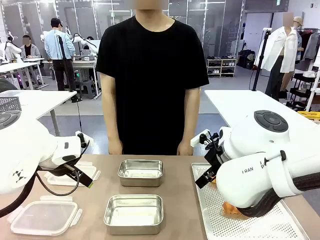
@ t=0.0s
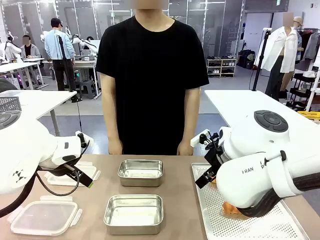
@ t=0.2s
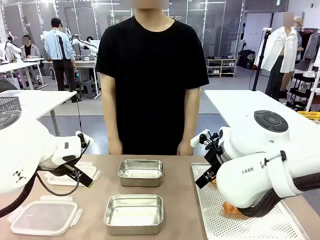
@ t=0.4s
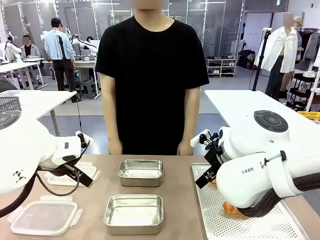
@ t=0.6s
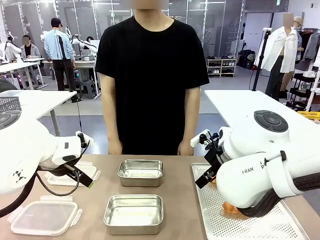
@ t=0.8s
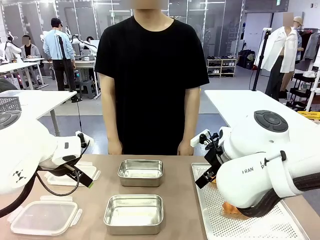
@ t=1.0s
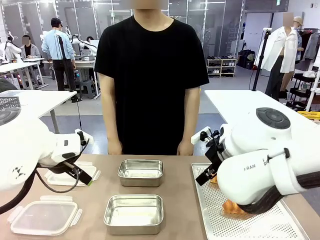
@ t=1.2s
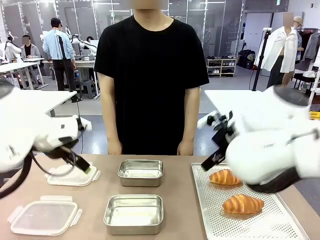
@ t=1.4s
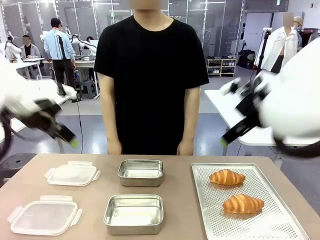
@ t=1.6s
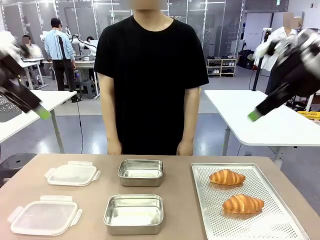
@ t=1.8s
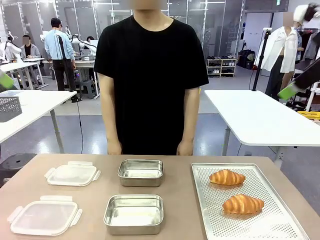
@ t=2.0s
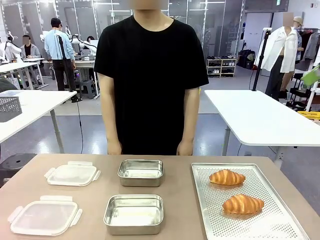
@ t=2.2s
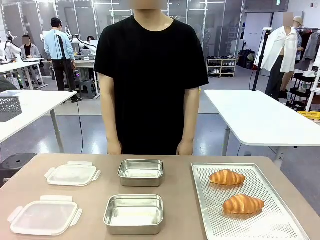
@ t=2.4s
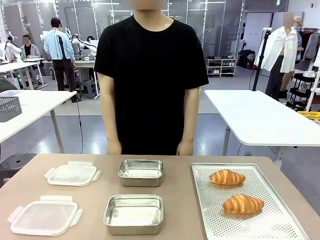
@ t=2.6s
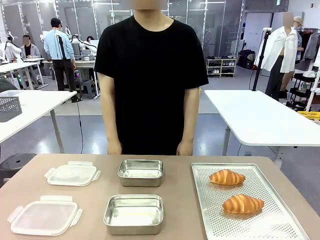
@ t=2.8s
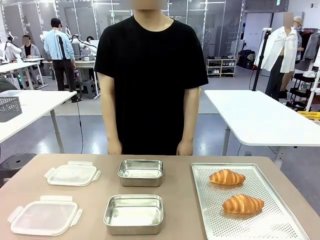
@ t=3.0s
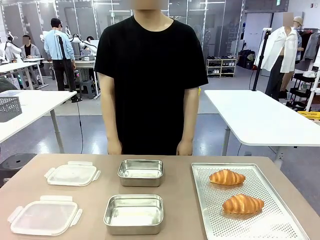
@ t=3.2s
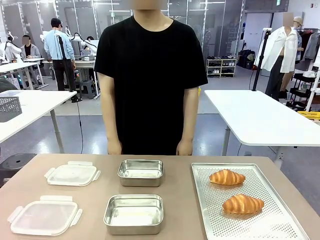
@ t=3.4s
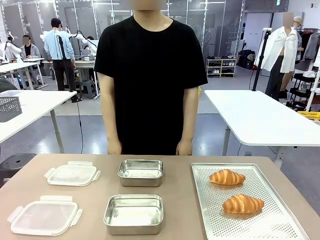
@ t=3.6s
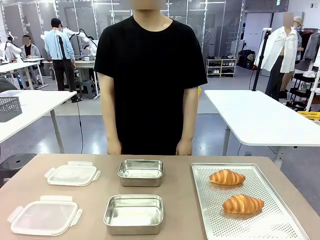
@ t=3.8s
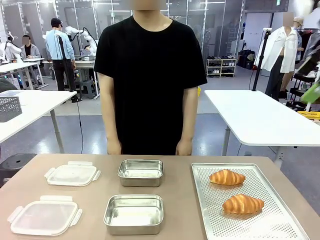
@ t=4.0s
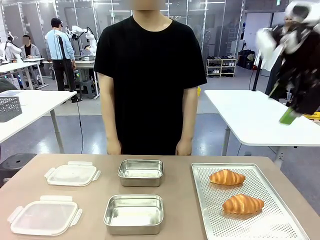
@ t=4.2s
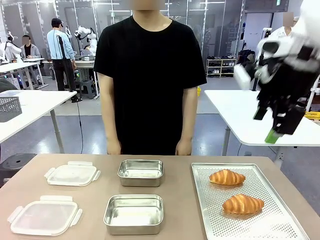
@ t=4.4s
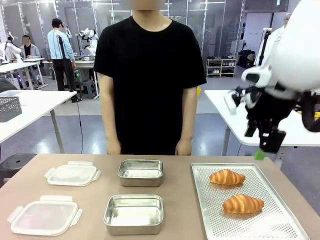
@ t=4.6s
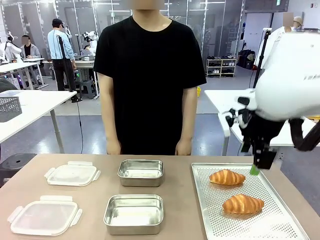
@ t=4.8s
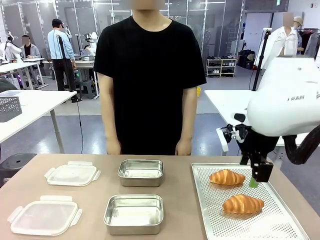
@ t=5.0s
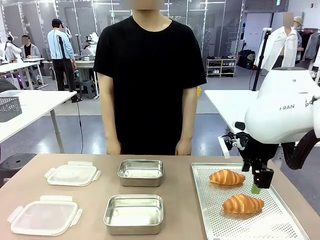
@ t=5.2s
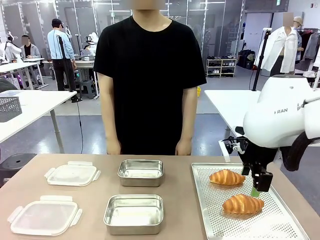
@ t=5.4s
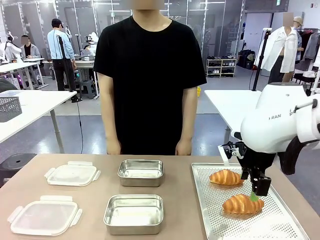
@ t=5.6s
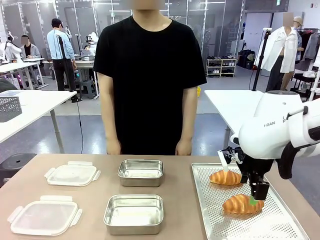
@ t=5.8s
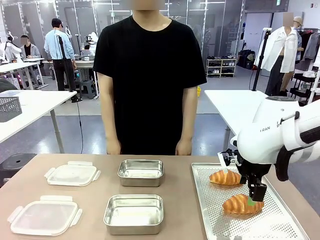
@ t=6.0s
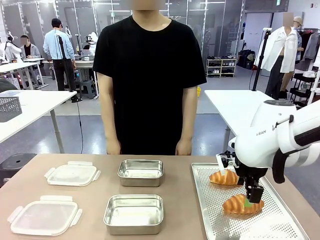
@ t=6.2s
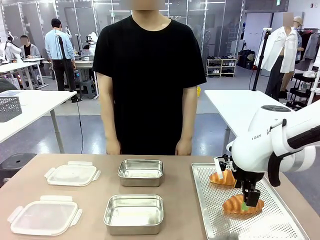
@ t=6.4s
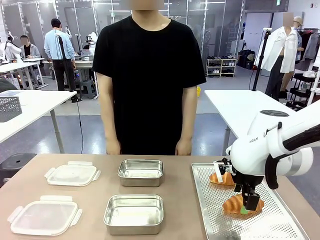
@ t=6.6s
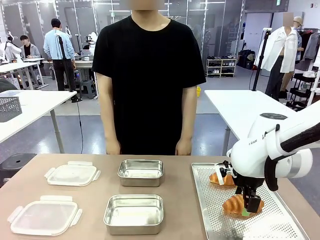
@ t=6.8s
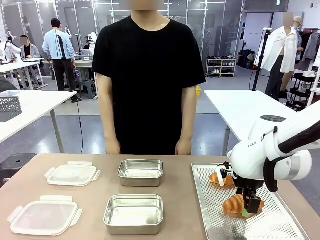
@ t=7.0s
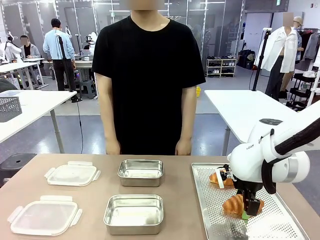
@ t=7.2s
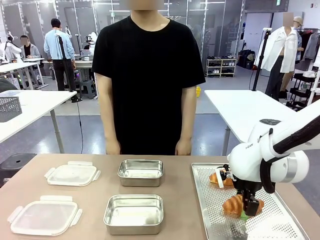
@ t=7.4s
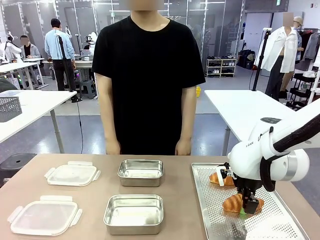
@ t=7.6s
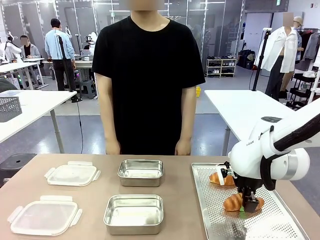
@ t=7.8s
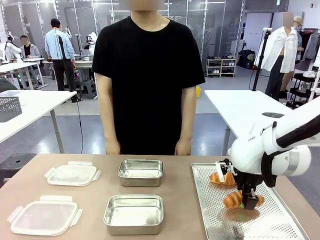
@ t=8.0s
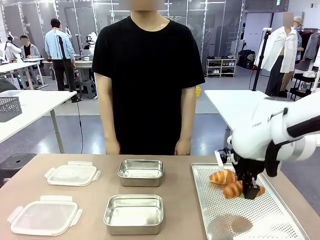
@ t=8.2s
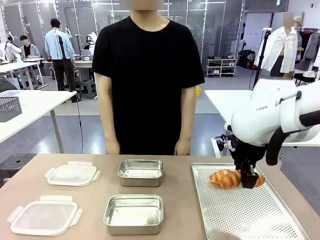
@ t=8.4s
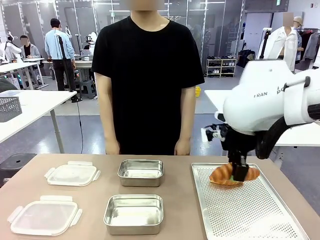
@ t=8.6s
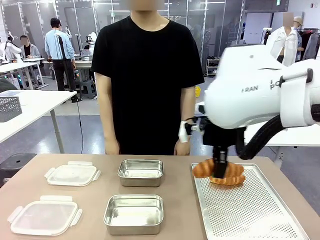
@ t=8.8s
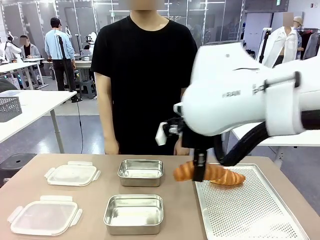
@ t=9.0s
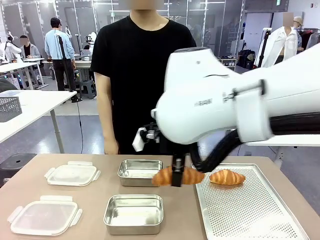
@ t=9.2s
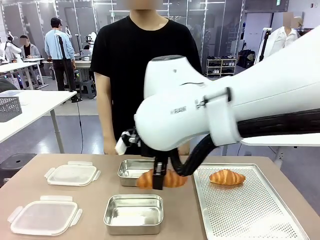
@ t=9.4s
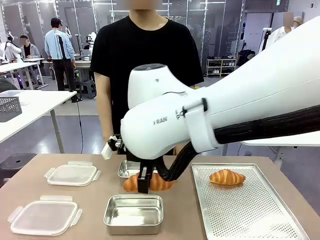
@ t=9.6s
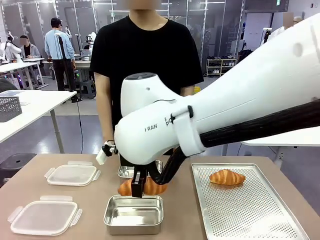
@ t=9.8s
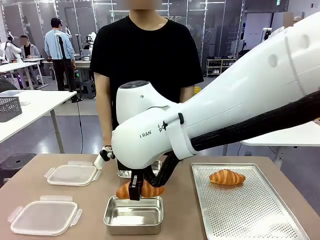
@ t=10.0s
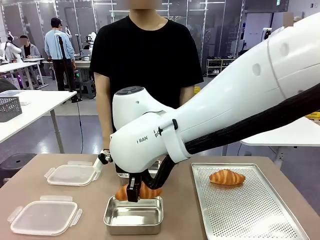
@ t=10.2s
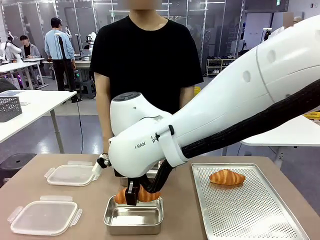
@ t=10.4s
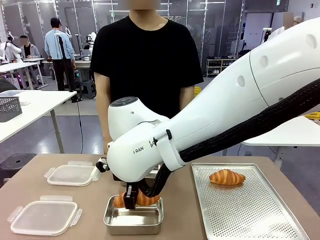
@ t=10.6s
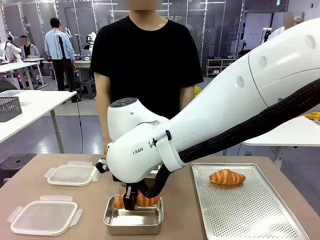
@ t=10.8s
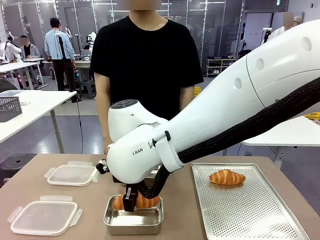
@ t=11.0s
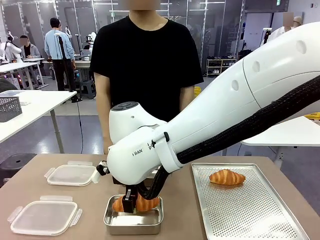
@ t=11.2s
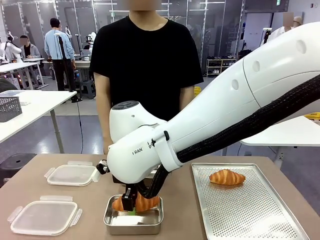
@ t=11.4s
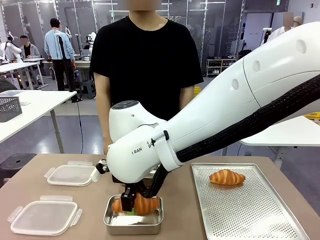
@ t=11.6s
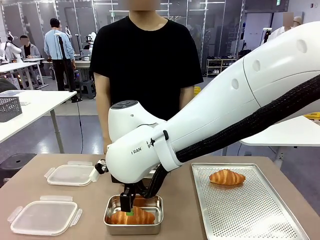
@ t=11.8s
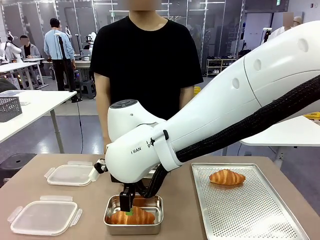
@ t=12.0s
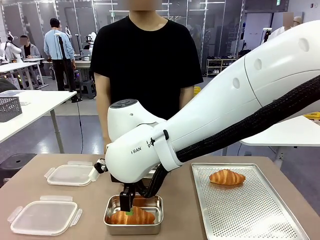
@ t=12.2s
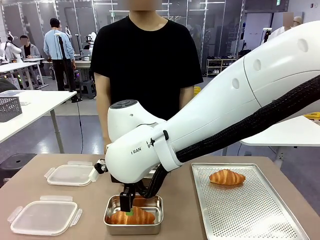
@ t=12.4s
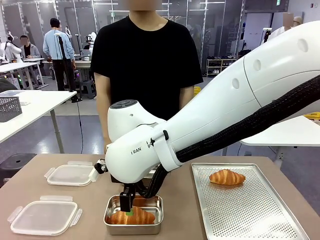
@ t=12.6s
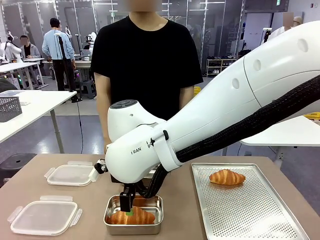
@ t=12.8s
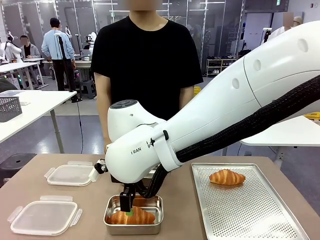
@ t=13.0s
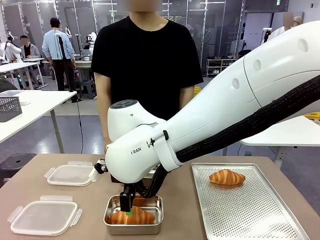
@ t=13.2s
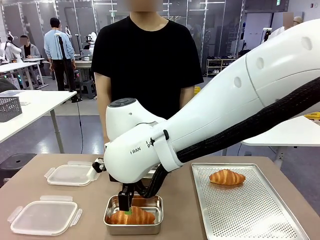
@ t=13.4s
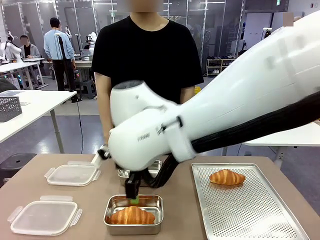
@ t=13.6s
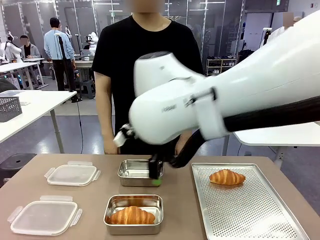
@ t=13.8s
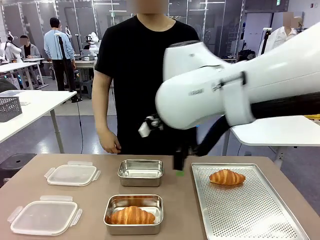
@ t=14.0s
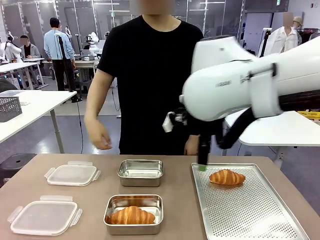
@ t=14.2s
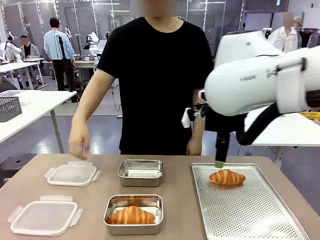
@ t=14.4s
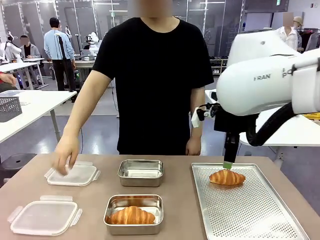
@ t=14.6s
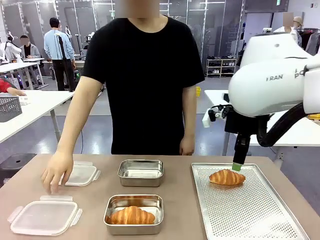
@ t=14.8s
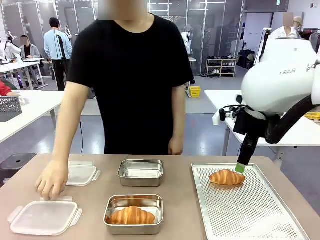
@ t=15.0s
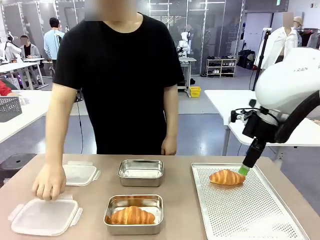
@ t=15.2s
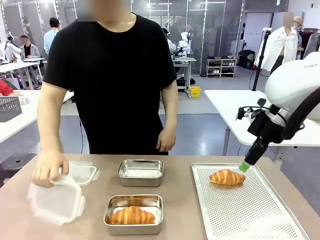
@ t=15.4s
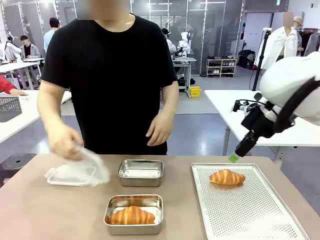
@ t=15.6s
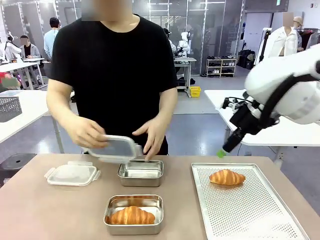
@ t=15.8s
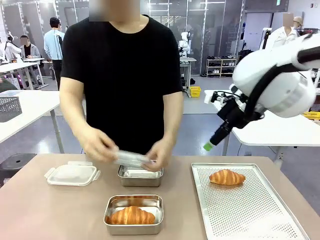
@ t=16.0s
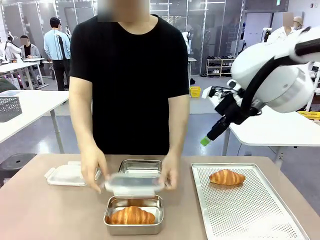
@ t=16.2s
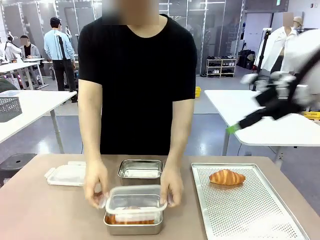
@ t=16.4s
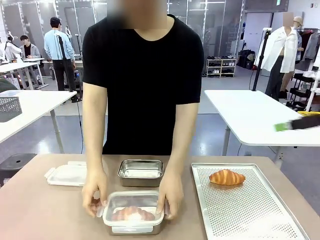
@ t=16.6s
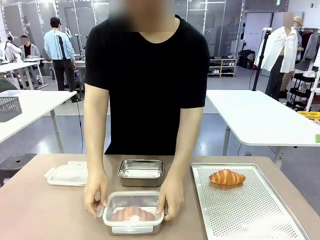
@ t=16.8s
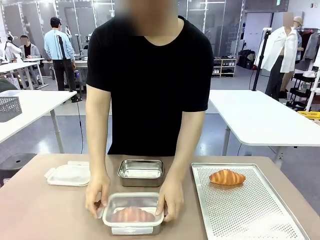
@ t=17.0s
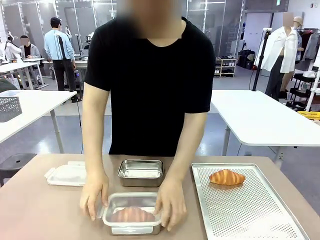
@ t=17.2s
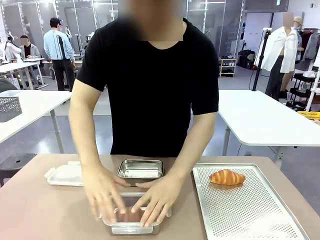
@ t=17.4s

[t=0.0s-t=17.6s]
Task: Place the bread into the airtight container.
Robot: Pick up a Butter Roll and place it into an empty Airtight Container.
